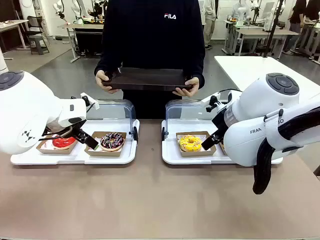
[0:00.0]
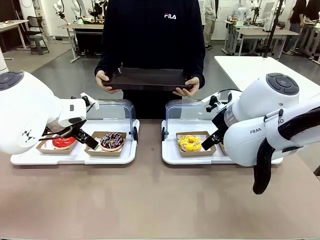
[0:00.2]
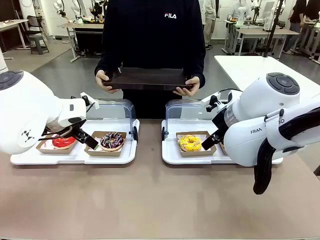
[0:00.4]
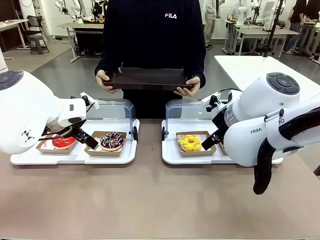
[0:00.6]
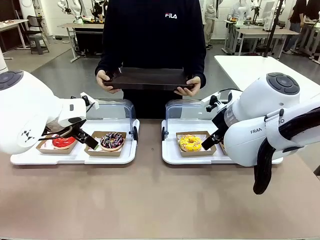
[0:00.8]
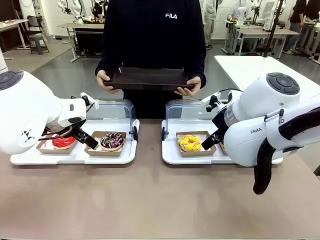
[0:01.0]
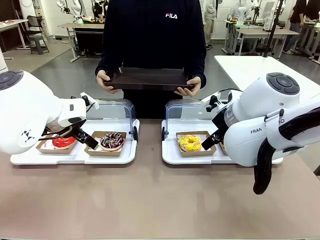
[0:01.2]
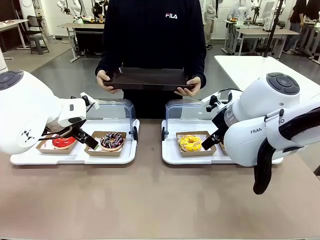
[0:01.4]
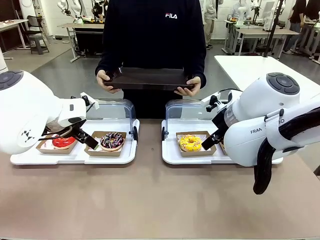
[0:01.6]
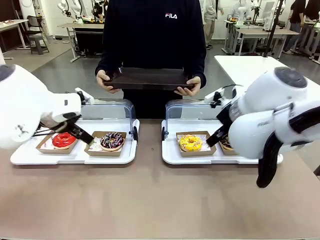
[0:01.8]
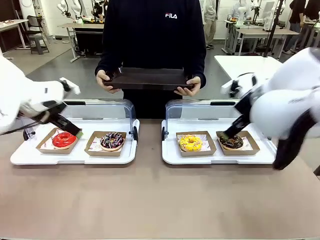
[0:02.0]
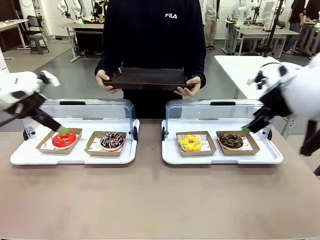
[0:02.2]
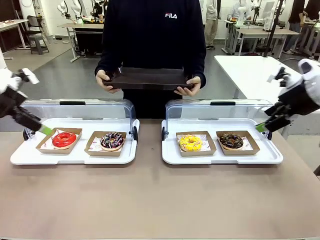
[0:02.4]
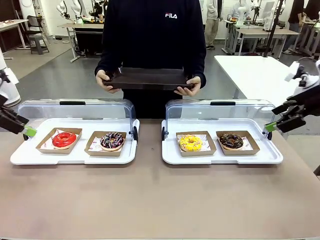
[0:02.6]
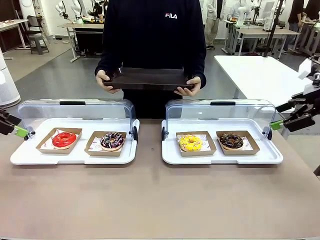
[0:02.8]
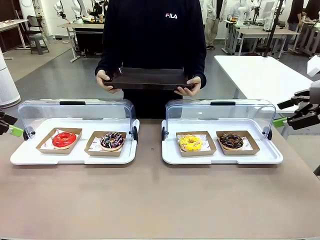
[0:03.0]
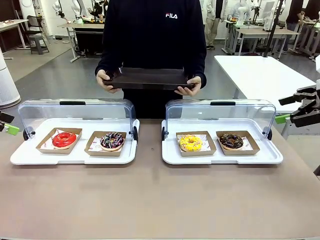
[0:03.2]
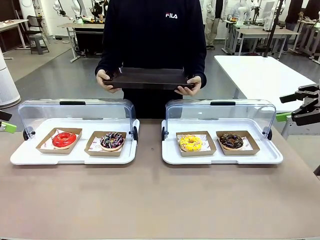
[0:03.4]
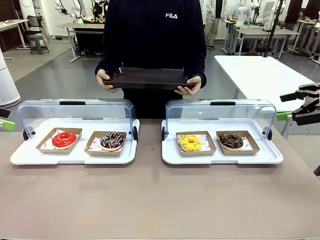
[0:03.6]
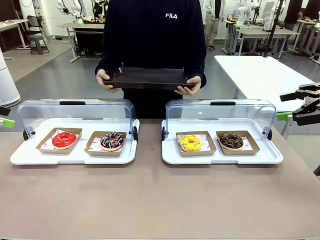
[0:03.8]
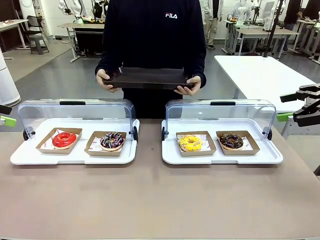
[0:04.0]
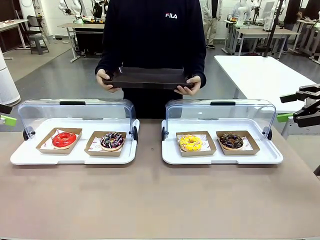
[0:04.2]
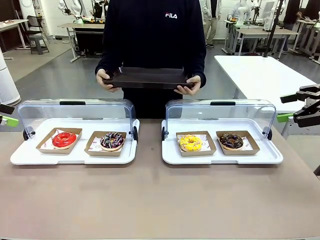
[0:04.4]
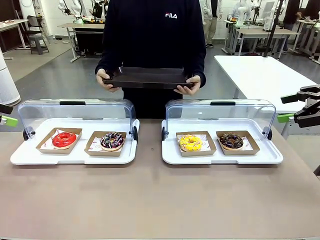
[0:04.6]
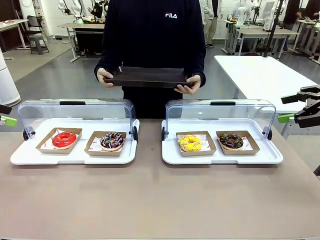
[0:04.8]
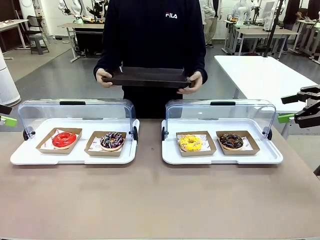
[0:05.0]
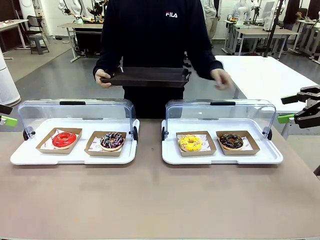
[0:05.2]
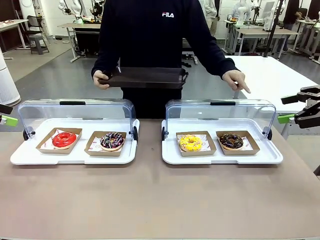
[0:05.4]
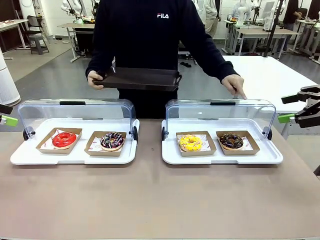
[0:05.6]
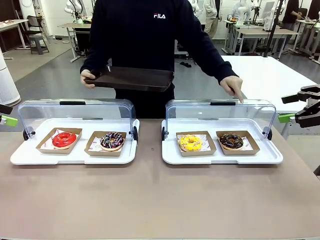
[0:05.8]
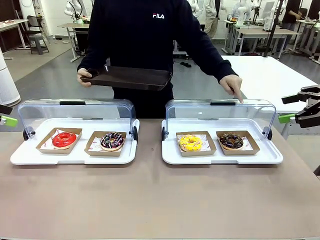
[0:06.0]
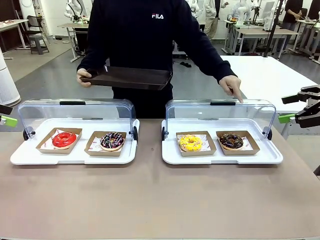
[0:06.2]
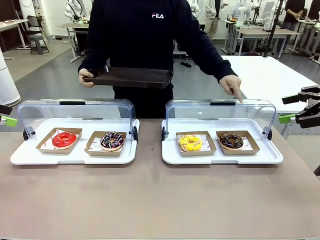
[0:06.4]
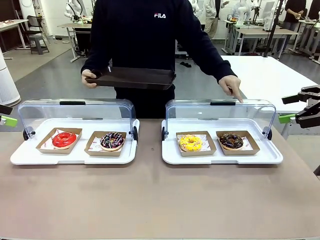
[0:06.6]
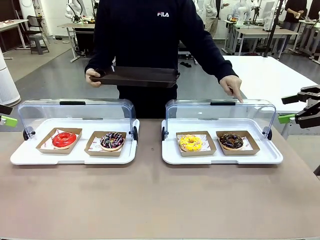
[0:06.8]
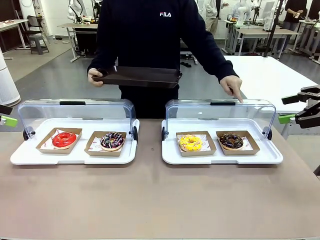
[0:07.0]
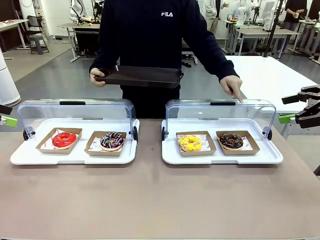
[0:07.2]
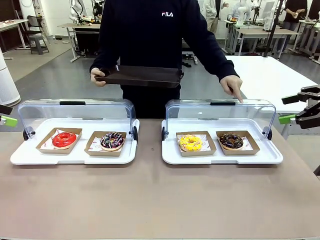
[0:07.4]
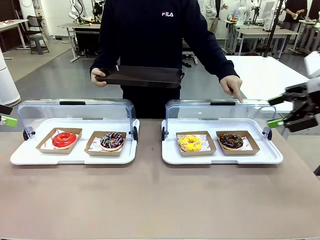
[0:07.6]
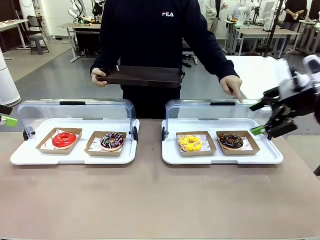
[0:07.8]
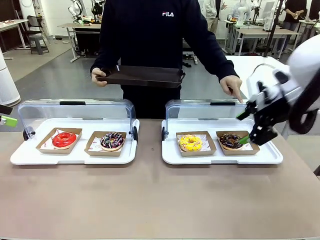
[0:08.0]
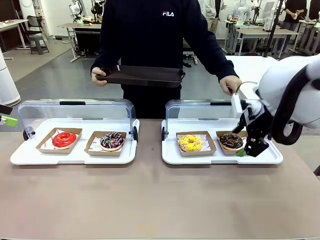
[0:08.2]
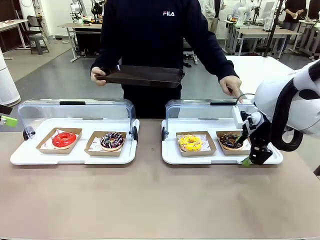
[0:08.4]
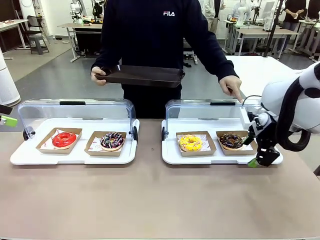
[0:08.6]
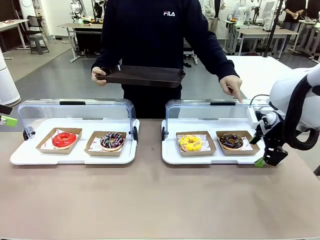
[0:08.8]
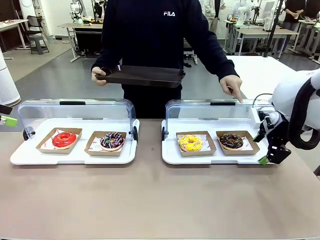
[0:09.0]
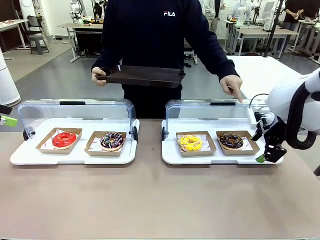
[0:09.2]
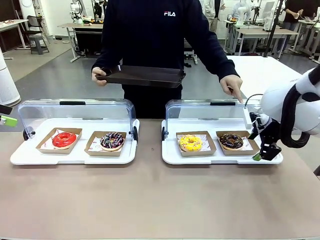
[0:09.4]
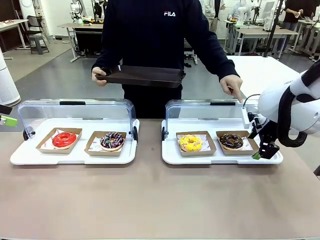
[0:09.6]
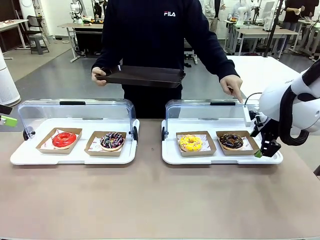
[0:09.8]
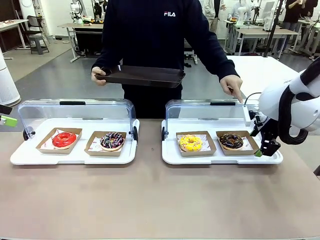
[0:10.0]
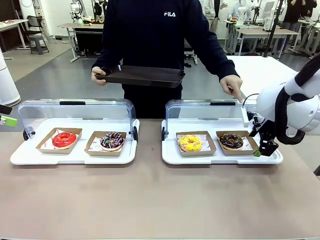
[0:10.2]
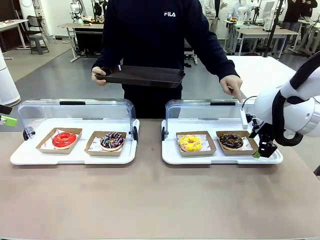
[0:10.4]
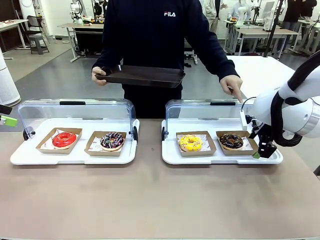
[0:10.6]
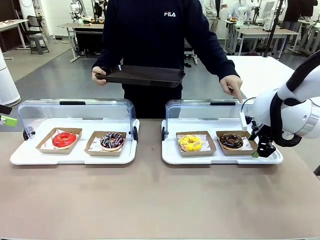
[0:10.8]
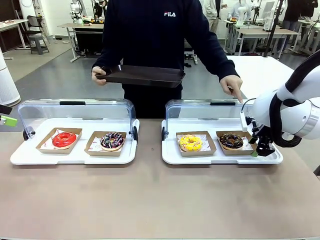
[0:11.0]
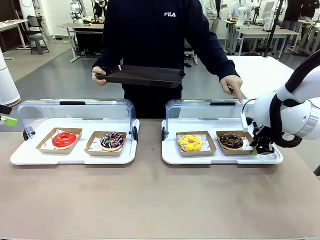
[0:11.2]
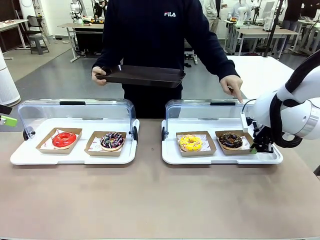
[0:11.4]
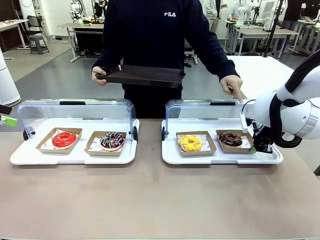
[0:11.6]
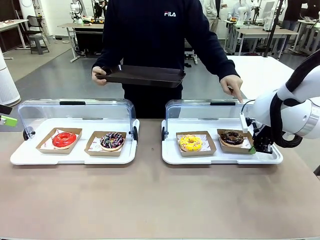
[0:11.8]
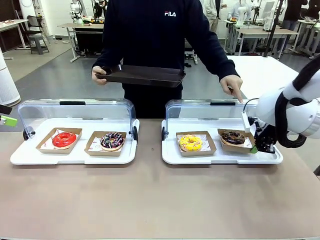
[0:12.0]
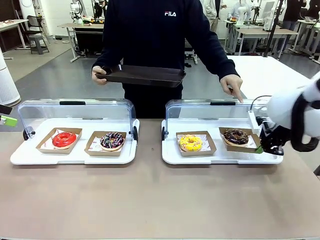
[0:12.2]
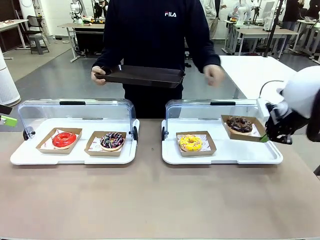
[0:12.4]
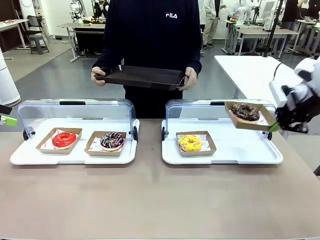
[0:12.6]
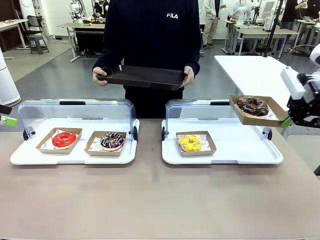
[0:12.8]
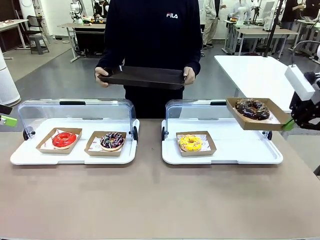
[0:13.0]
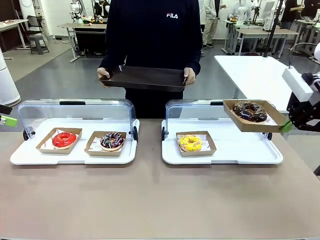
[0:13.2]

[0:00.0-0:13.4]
Task: Provide the desired donut to the person.
Robot: Pick up and lift the Paper togo box containing the Donut pointed at by the person.
Person: Point to one donut. Lift the tray onto the Roll-Top Bakery Case.

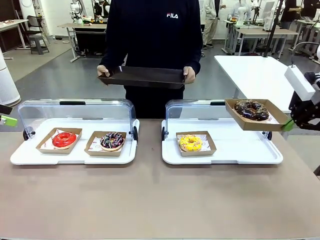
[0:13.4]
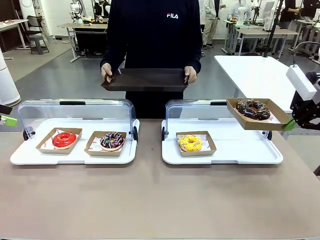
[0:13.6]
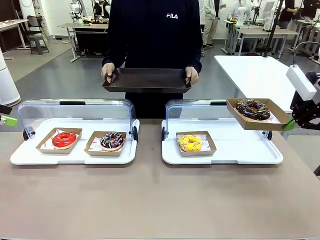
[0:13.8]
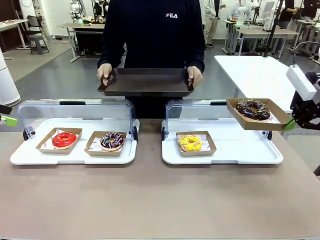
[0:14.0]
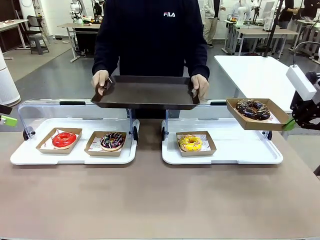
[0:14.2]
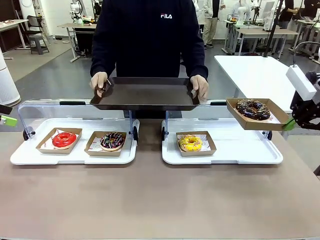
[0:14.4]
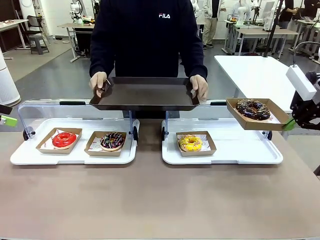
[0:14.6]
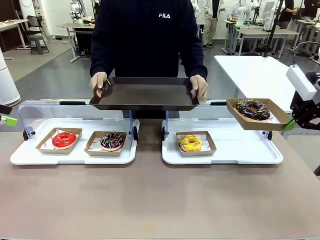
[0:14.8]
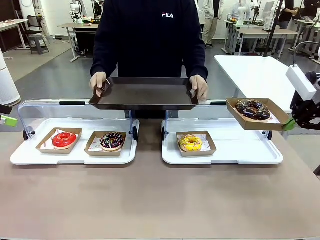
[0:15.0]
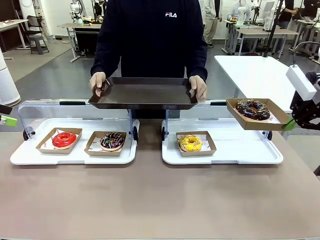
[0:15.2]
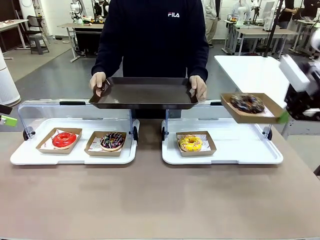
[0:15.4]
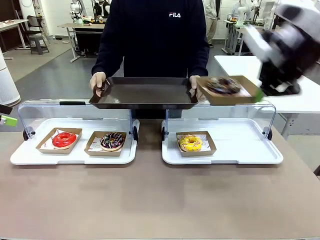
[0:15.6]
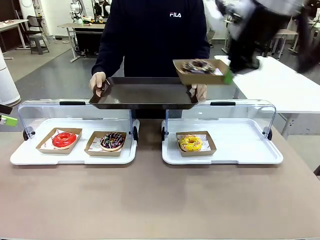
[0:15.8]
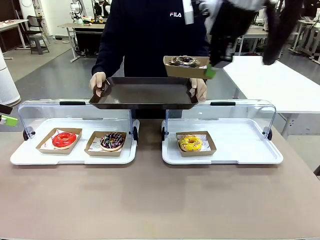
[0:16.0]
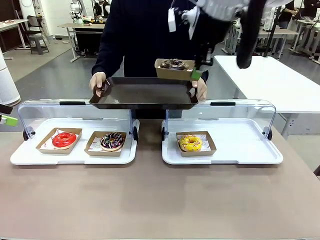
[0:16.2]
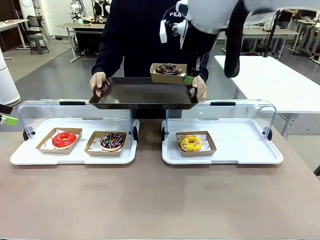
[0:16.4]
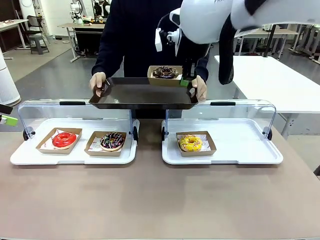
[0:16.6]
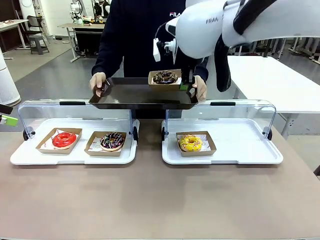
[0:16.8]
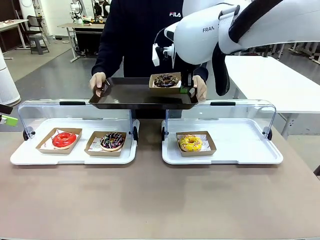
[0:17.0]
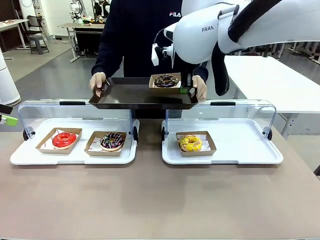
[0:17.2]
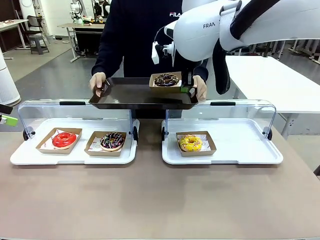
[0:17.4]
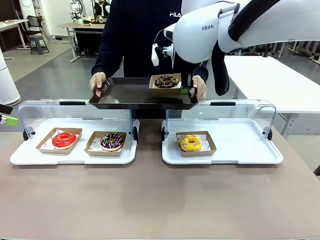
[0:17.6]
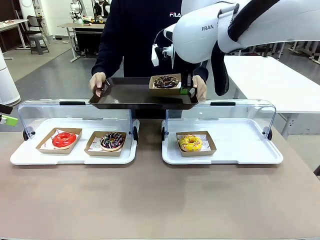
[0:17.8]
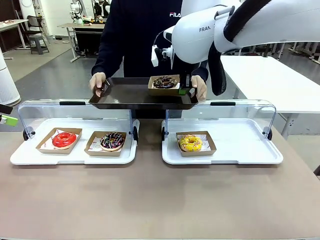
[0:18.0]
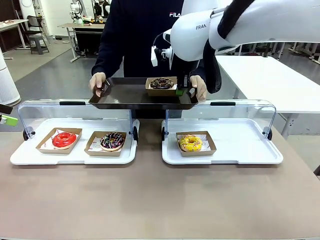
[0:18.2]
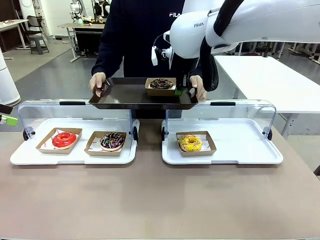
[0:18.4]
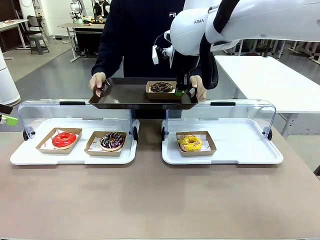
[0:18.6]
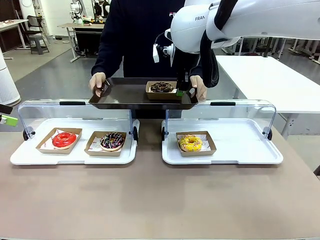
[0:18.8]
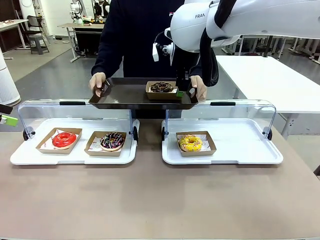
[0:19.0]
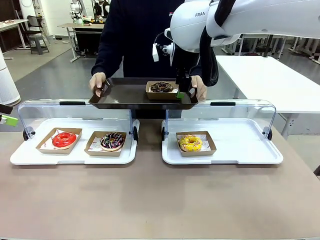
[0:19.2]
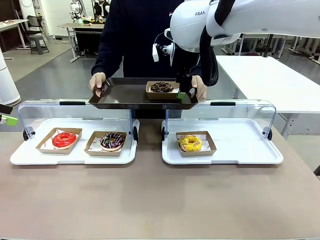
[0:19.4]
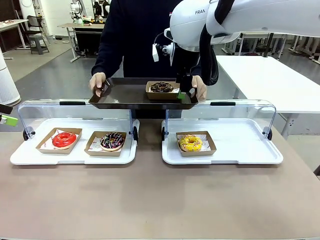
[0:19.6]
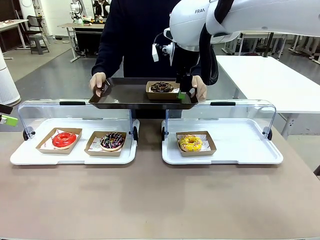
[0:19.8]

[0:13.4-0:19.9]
Robot: Place the picked Paper togo box onto the Handle tray extended by the person.
Person: Point to one donut.
